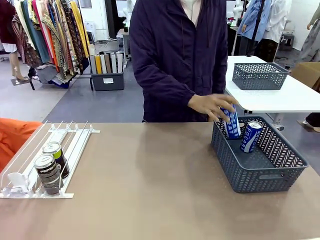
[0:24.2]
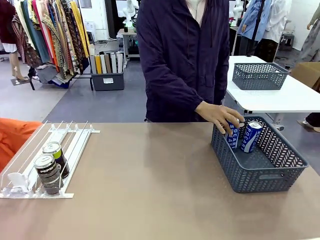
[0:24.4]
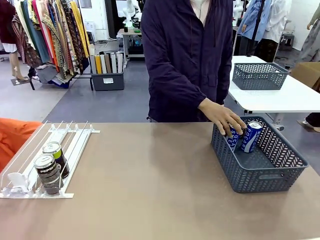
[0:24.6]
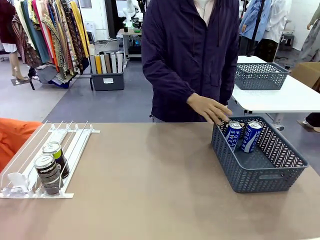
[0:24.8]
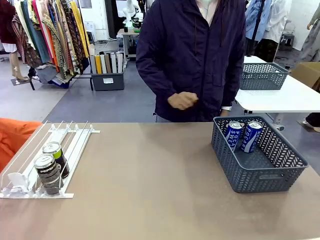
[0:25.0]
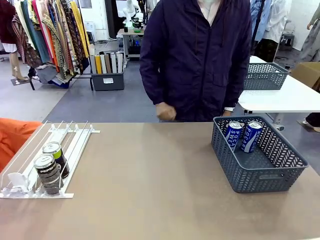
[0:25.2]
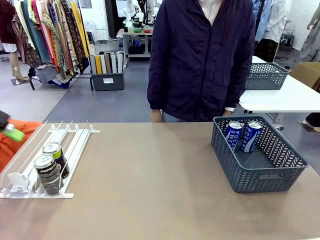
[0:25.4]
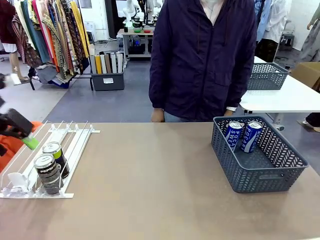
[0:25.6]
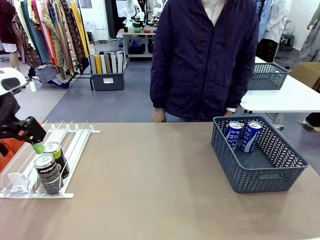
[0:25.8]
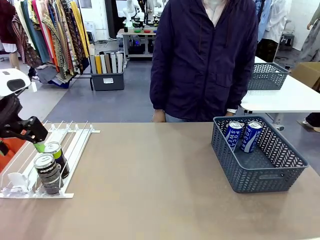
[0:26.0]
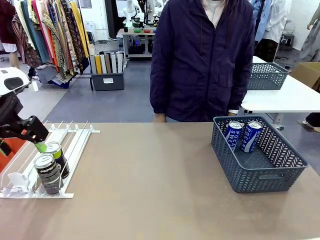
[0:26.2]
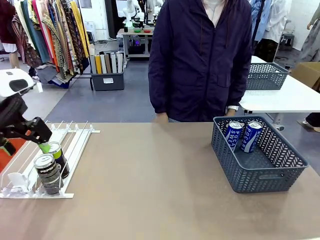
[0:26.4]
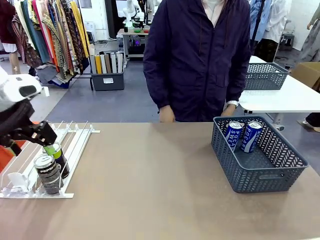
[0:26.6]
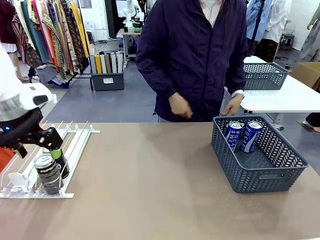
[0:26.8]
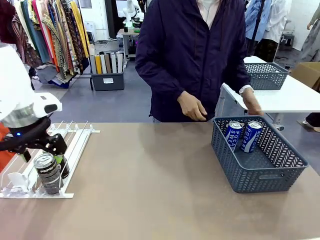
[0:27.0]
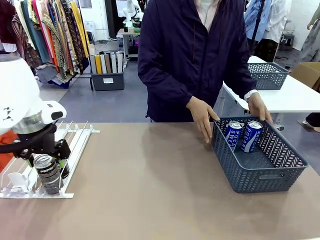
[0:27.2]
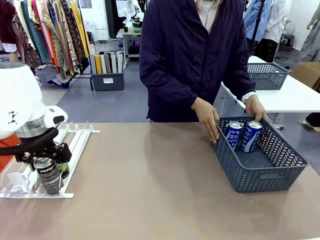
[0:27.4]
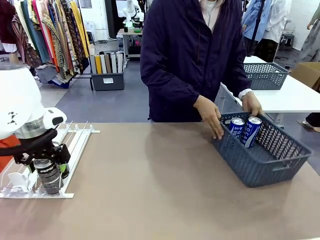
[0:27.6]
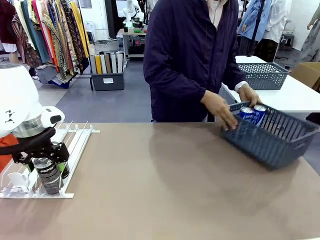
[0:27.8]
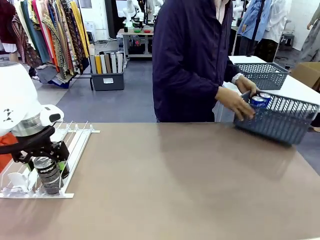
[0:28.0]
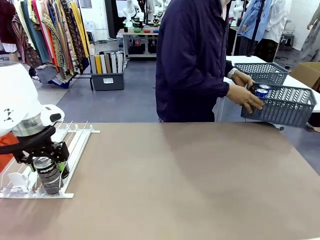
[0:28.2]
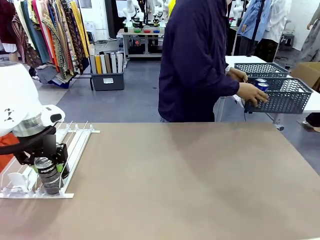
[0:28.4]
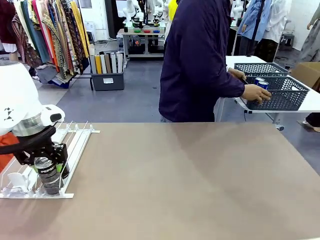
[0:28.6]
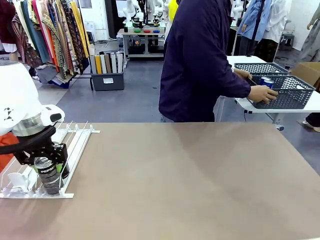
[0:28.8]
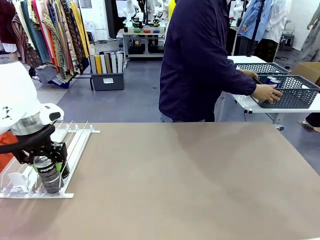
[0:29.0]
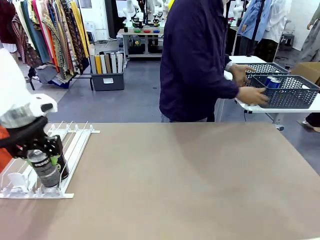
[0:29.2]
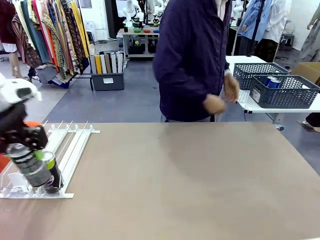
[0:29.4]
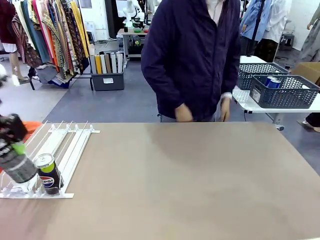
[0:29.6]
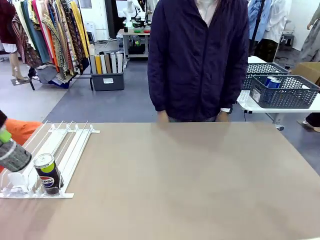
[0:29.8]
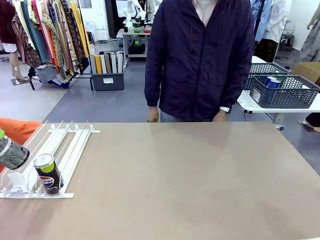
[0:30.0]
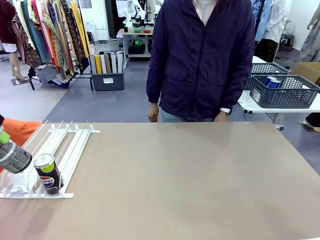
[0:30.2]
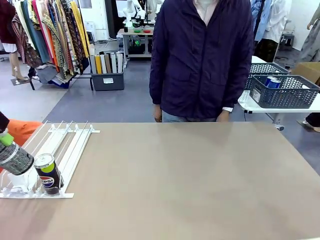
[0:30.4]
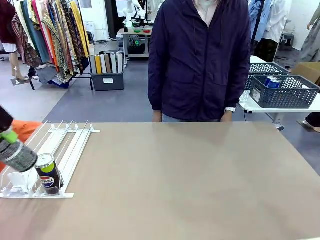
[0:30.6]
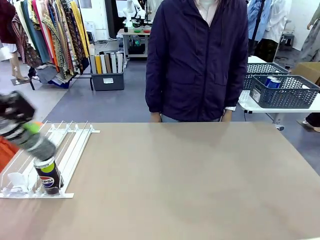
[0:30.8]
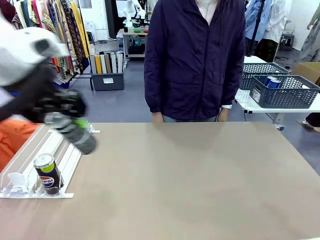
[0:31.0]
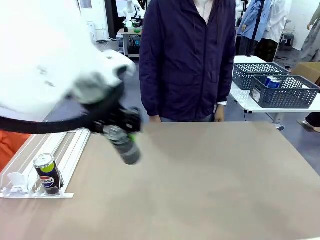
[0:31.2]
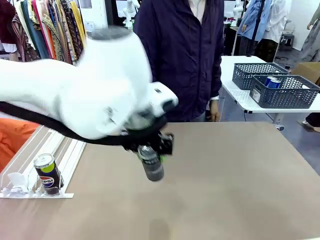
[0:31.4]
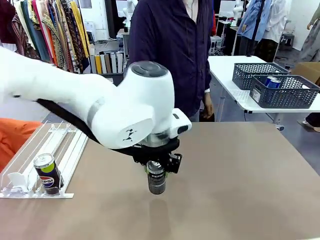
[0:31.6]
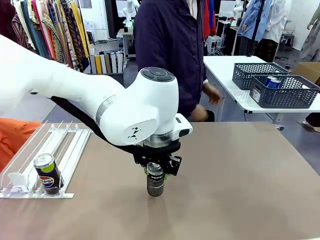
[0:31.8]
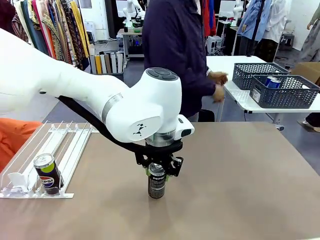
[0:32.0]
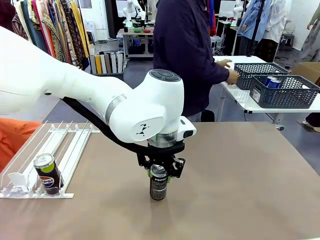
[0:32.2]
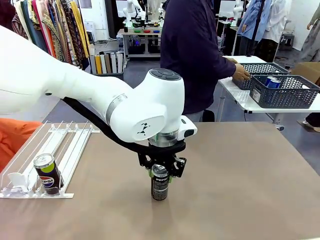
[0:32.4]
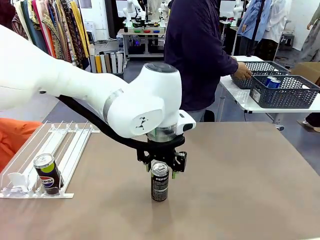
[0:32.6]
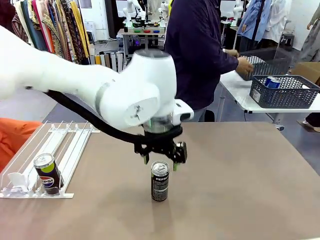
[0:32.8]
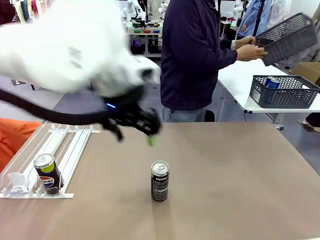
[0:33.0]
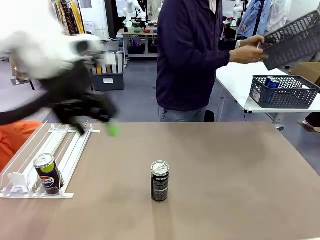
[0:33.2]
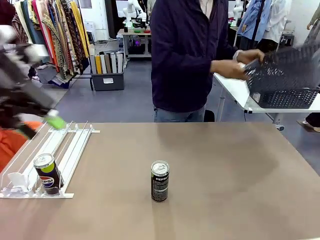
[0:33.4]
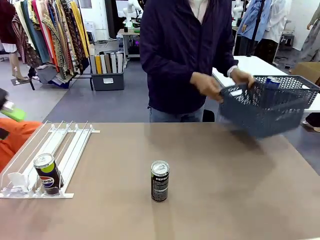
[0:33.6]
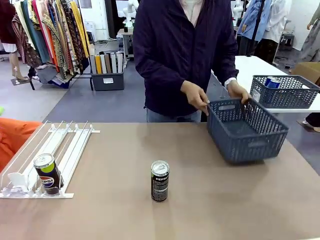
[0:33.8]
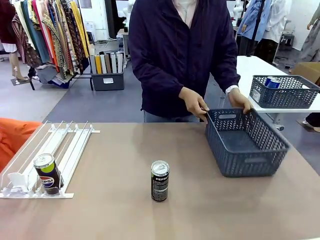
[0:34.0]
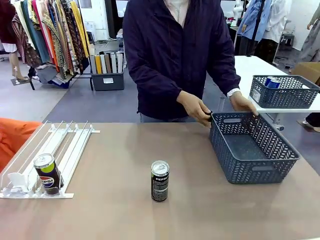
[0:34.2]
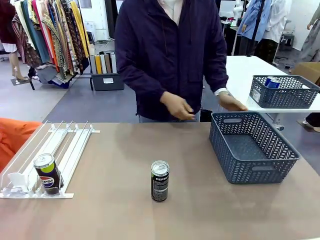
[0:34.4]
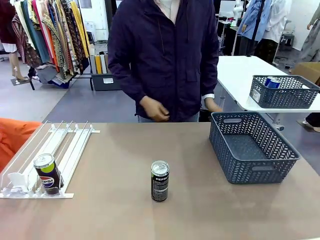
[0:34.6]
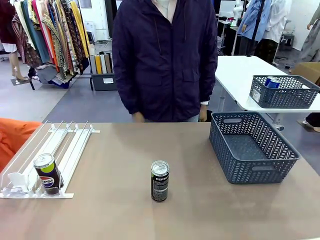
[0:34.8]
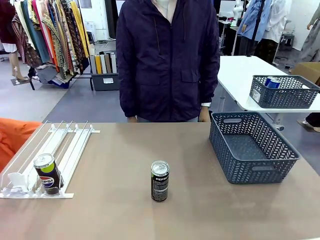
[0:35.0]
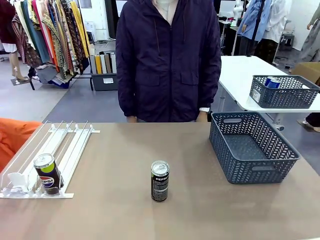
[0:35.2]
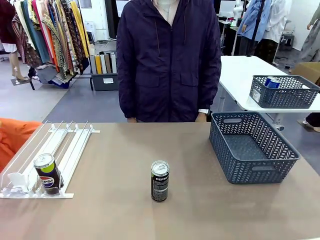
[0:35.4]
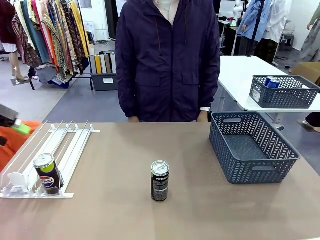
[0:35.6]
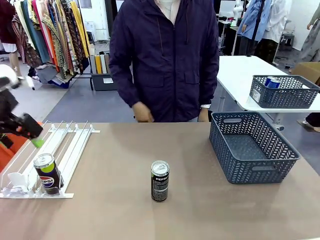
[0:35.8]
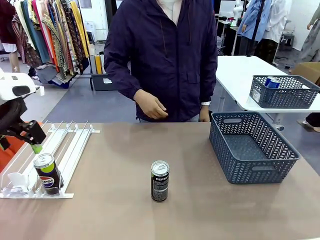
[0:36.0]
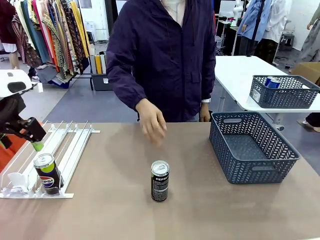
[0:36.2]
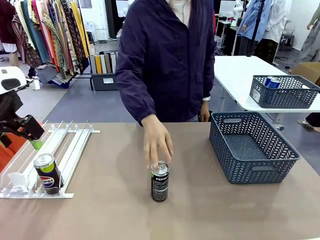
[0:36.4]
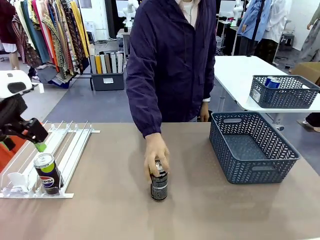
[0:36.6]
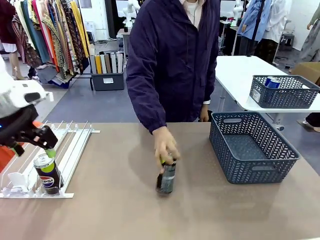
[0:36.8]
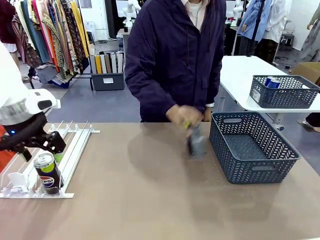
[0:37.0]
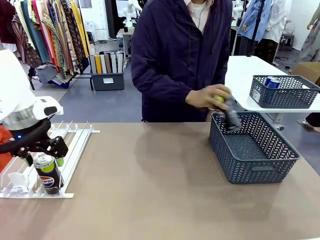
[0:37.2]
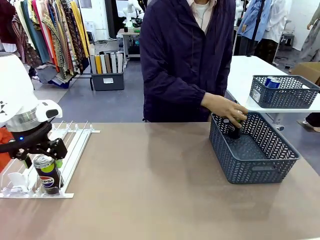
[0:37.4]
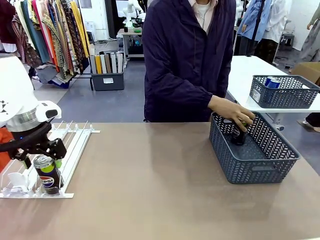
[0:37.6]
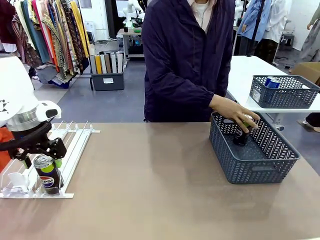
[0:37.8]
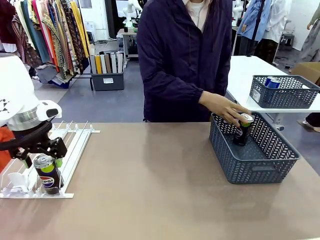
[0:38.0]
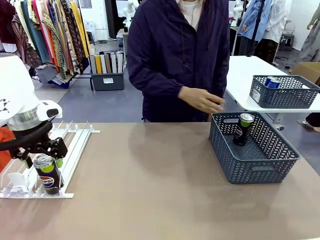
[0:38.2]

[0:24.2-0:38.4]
Task: Retrieve and store the cans from the dispenser.
Robot: Pick up one can from the Automatic Can Dispenser and place it in the middle of the table.
Person: Pick up the basket and place it in the middle of the human table. Pick up the empty basket and place it on the left side of the robot table.
